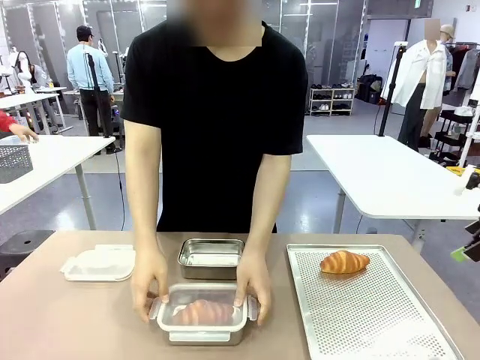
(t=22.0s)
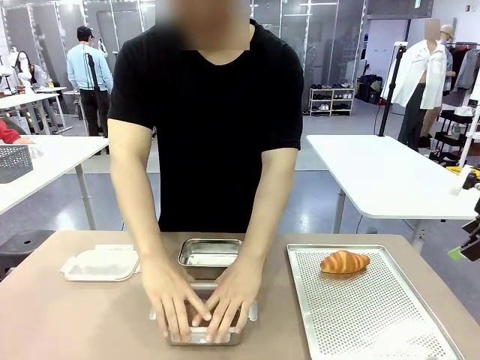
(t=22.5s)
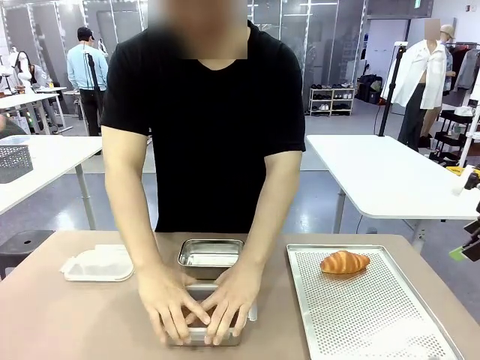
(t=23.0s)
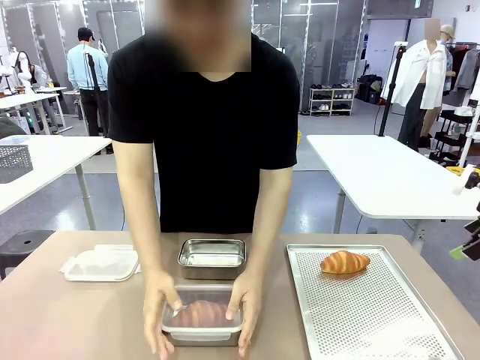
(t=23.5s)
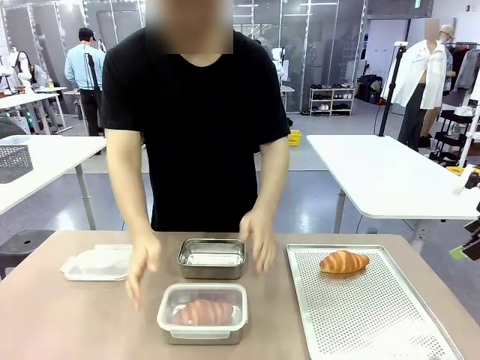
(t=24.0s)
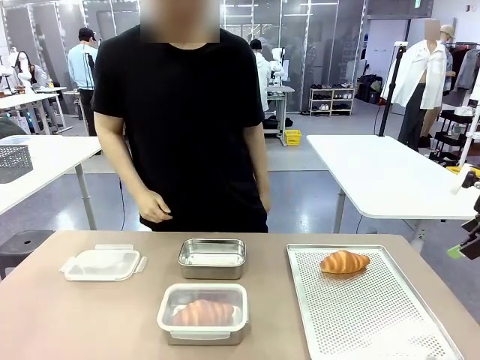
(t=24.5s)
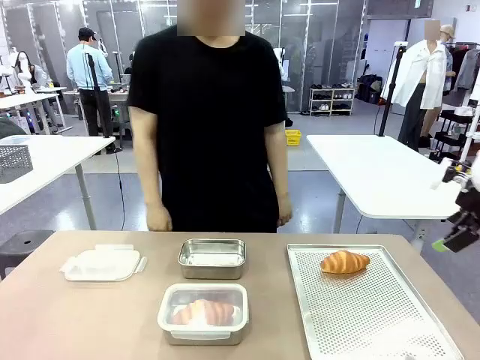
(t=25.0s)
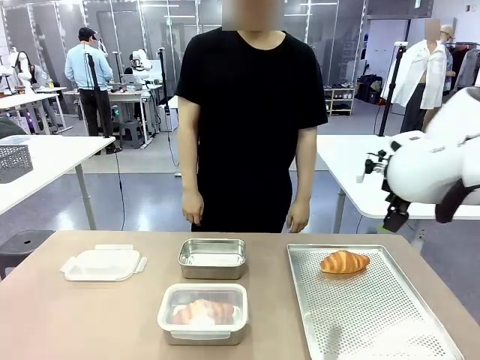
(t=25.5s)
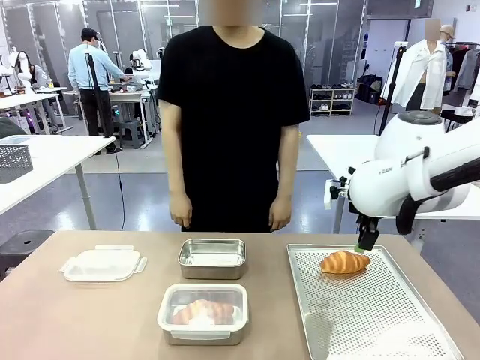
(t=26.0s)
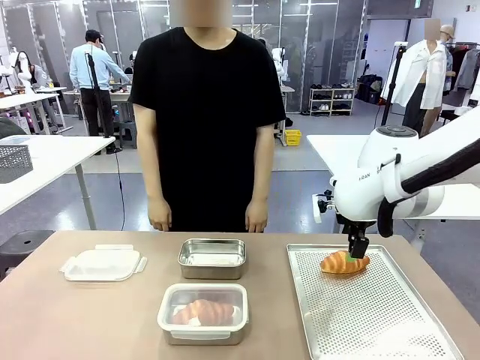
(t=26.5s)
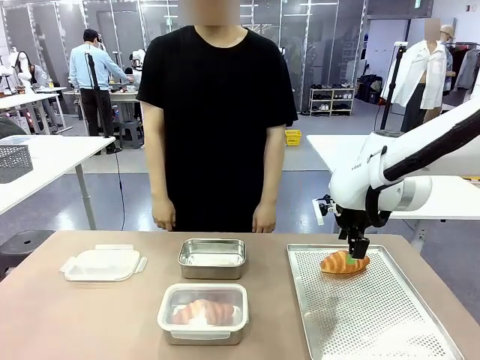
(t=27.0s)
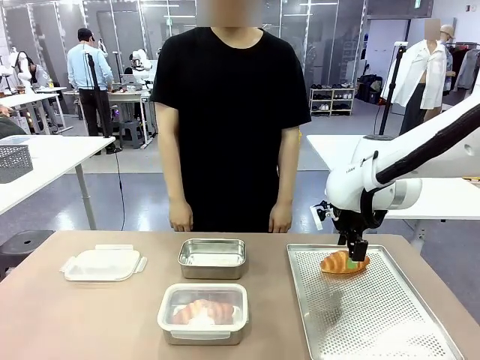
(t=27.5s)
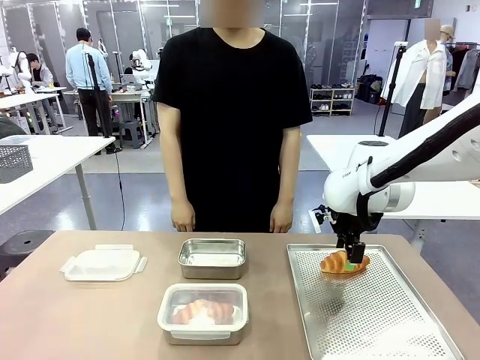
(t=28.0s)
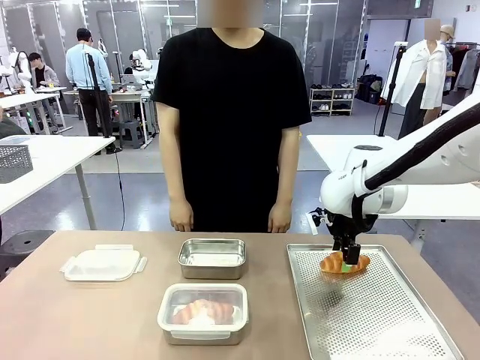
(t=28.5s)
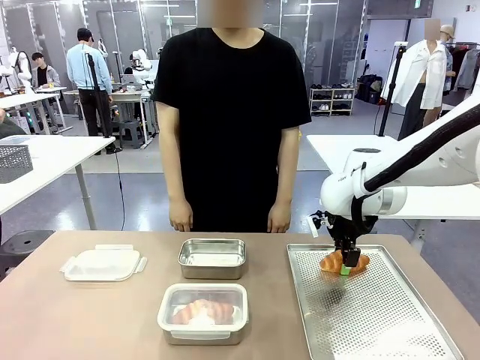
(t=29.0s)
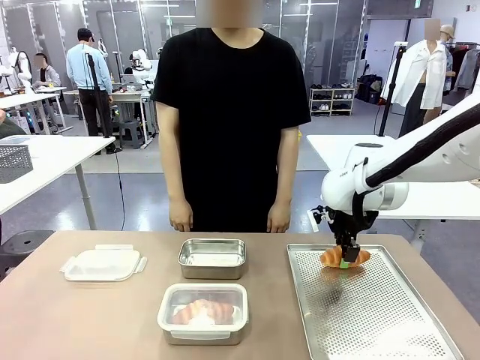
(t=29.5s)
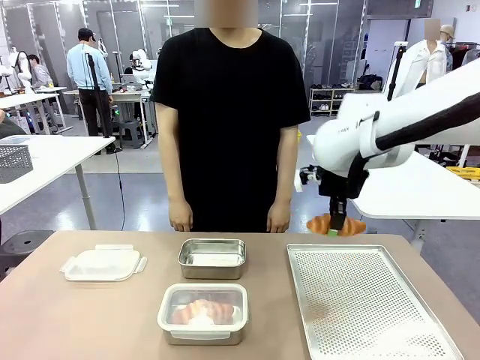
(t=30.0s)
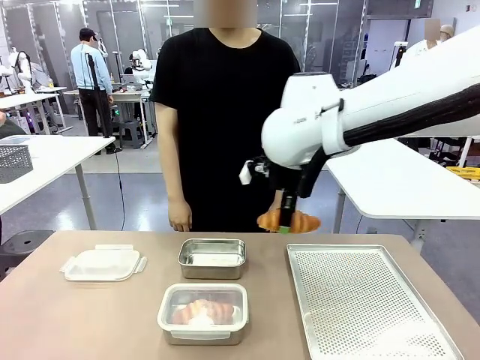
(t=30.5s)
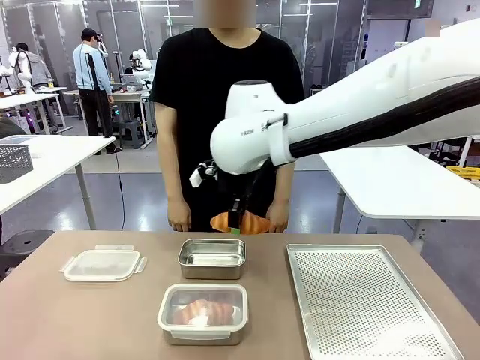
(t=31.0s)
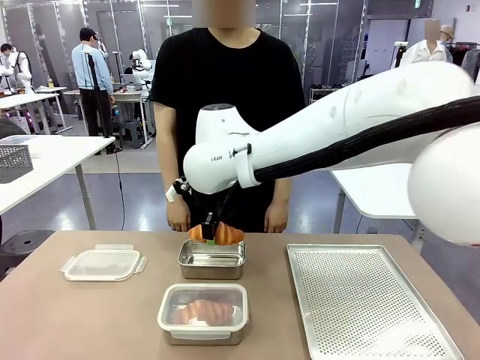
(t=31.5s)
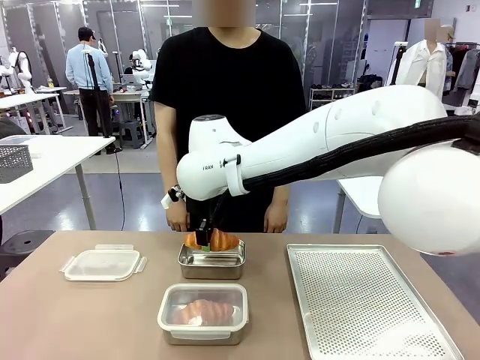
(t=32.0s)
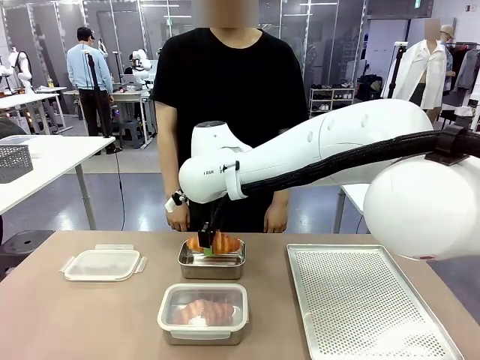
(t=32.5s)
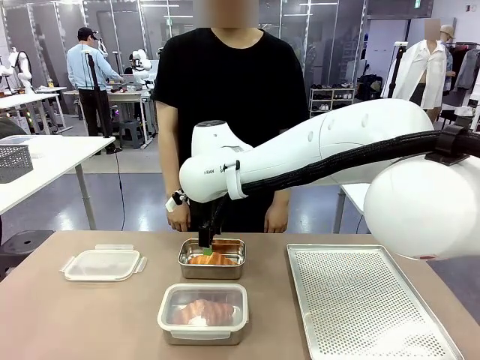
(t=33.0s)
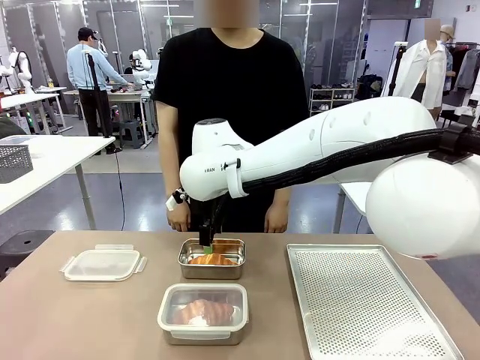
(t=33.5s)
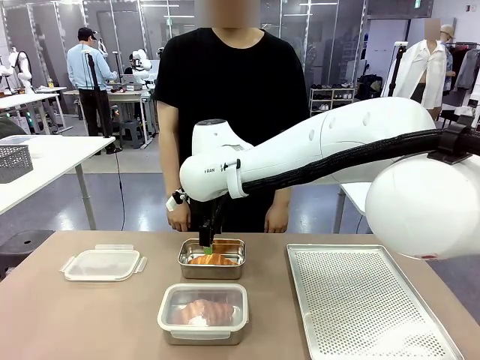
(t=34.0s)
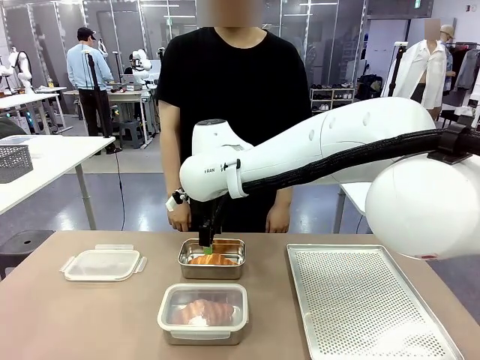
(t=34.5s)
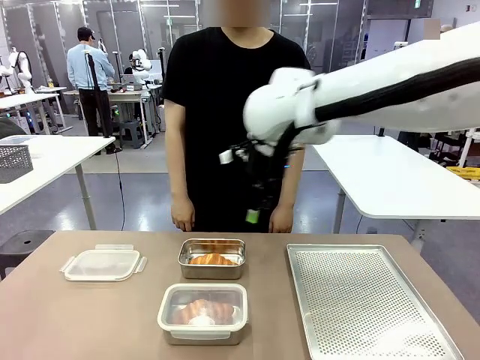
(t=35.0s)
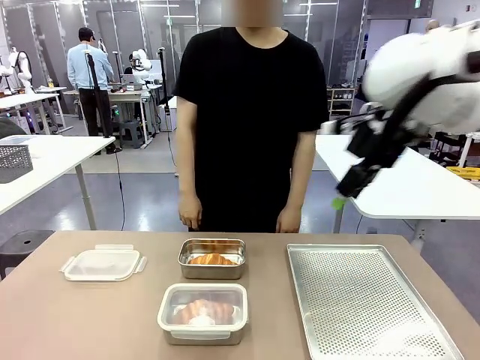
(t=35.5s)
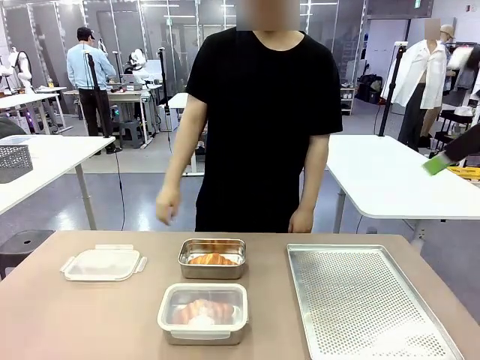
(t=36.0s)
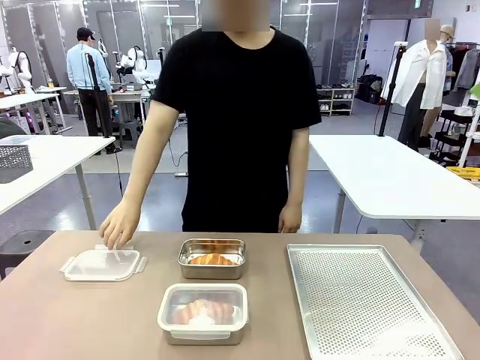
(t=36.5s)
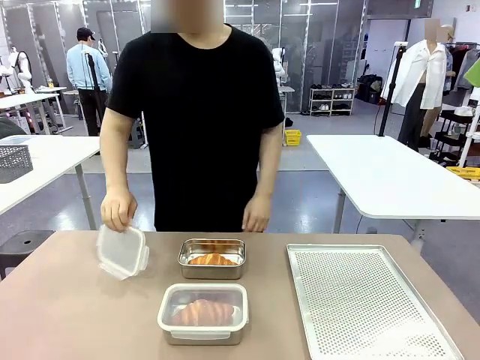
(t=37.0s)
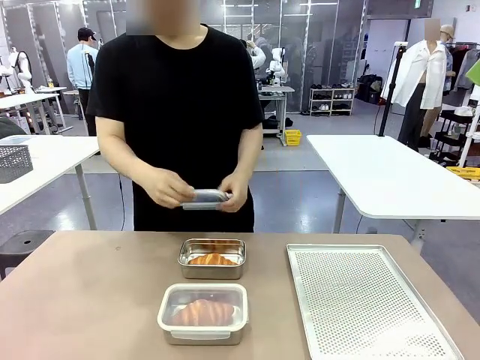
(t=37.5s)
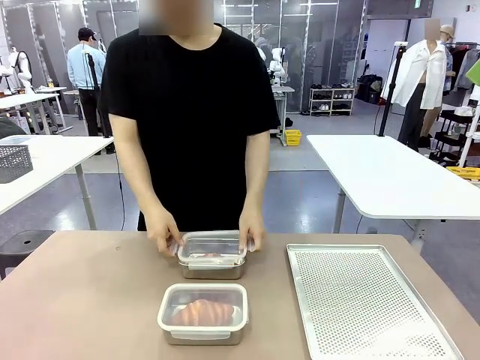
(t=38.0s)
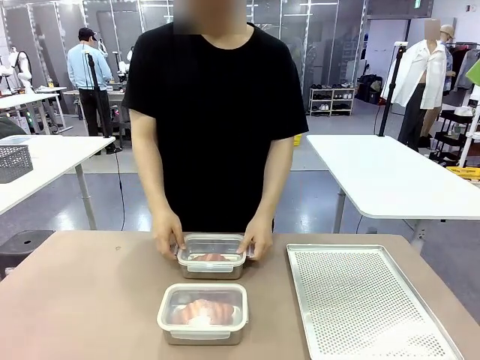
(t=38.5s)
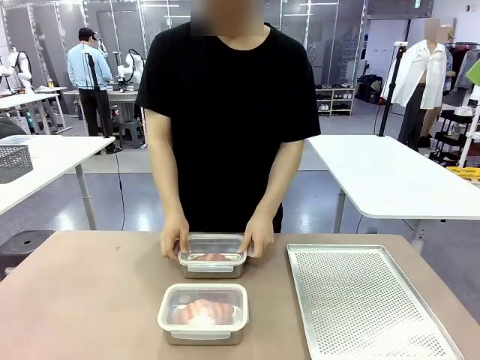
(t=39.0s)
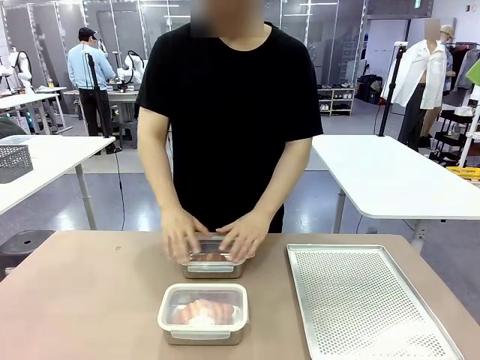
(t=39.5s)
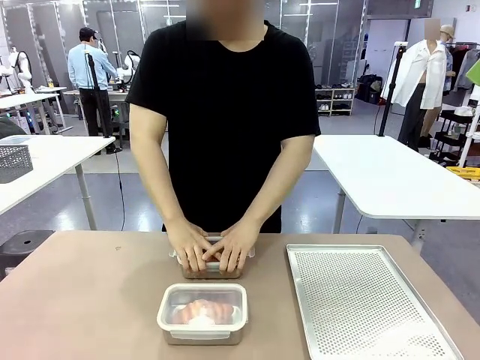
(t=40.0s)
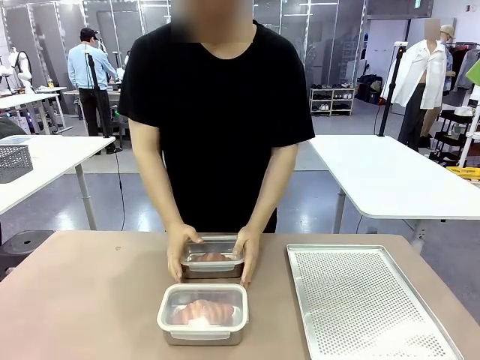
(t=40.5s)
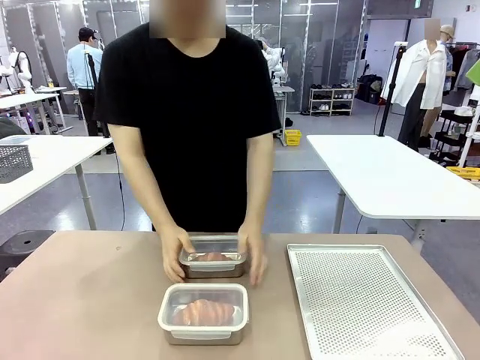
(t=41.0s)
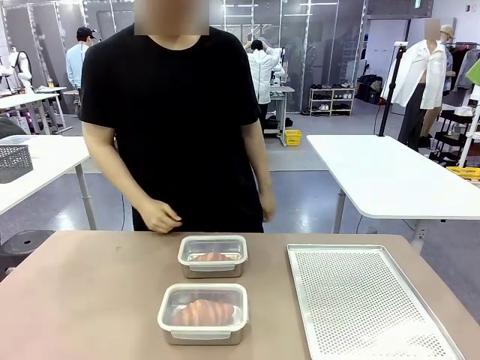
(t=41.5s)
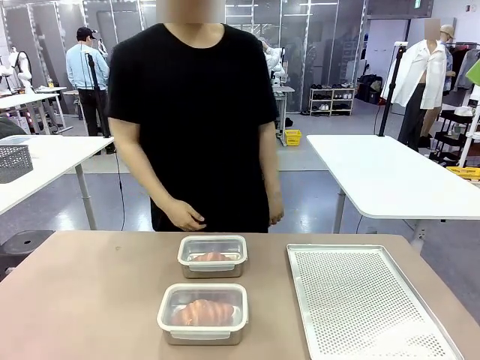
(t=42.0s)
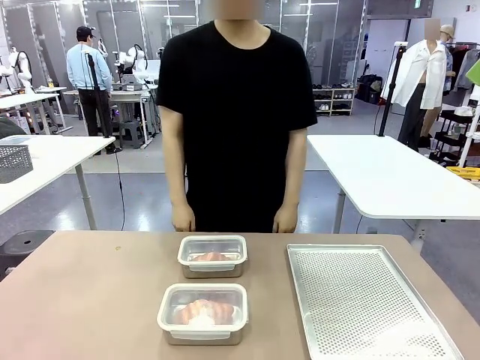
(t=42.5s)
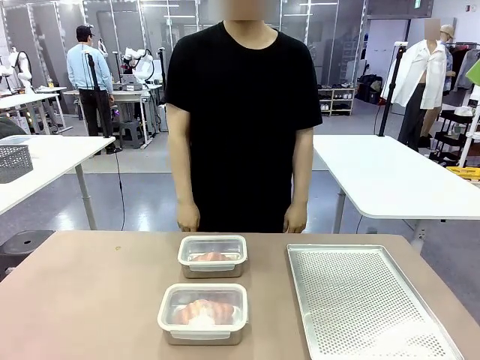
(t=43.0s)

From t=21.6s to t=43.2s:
Task: Place the bread into the airtight container.
Robot: Pick up a Butter Roll and place it into an empty Airtight Container.
